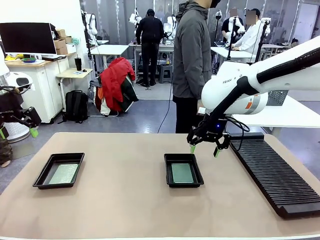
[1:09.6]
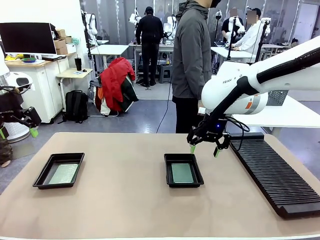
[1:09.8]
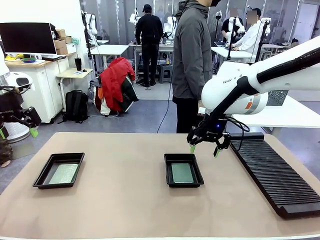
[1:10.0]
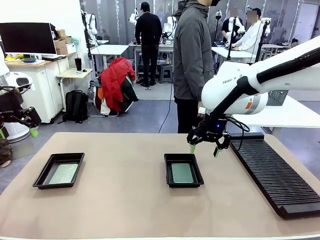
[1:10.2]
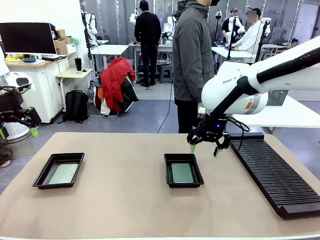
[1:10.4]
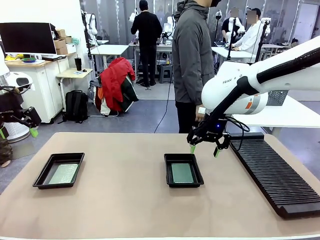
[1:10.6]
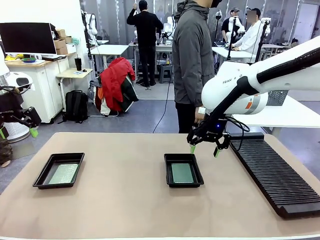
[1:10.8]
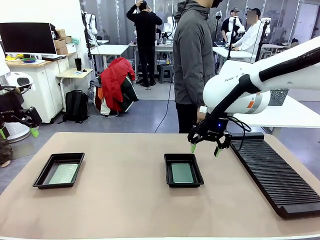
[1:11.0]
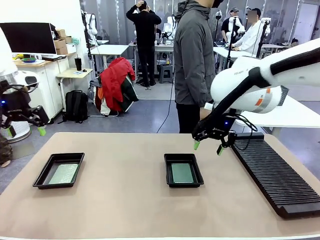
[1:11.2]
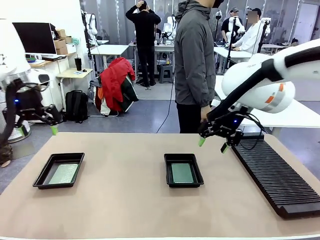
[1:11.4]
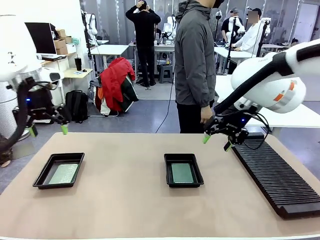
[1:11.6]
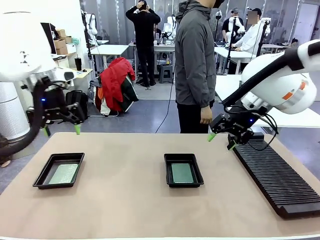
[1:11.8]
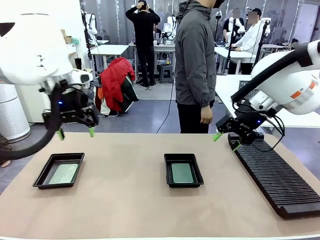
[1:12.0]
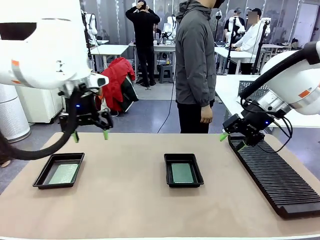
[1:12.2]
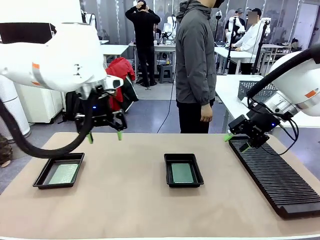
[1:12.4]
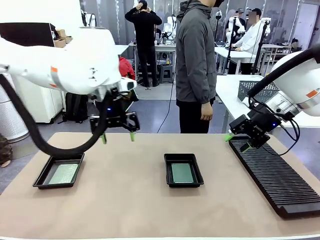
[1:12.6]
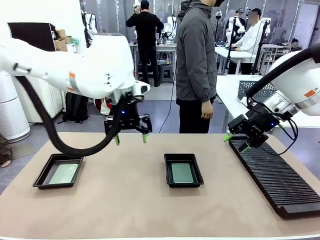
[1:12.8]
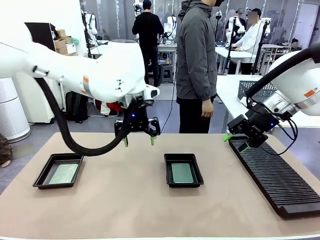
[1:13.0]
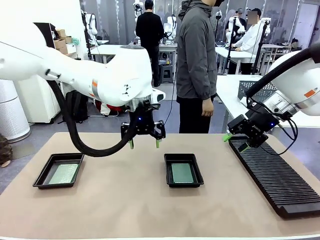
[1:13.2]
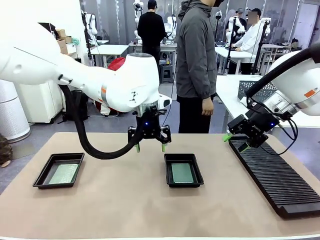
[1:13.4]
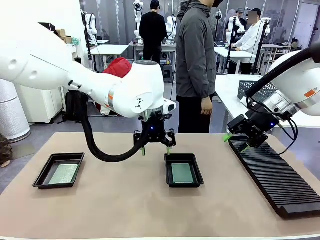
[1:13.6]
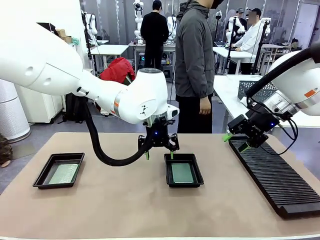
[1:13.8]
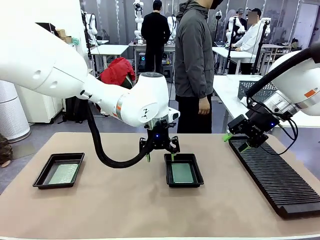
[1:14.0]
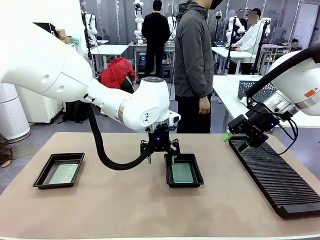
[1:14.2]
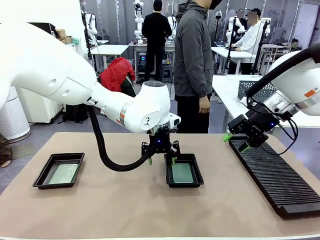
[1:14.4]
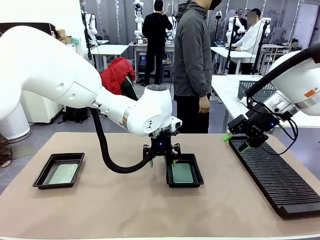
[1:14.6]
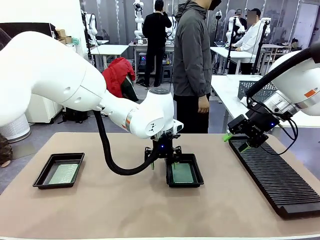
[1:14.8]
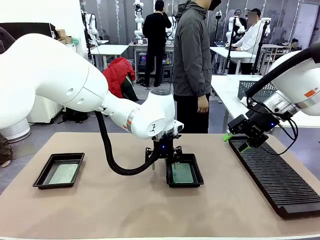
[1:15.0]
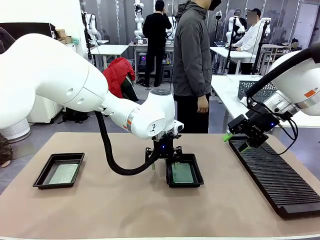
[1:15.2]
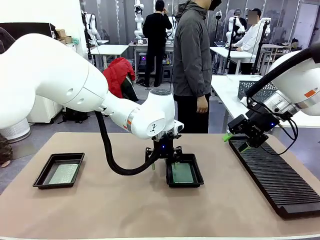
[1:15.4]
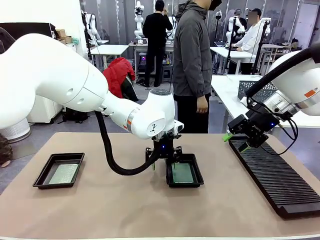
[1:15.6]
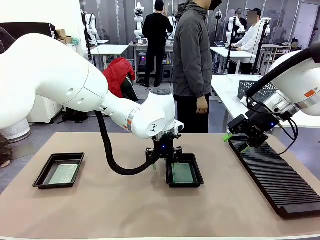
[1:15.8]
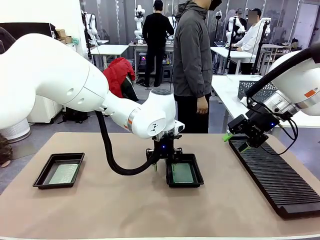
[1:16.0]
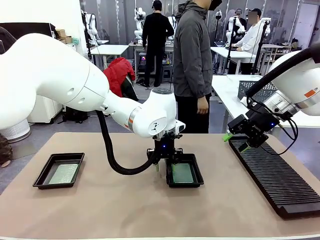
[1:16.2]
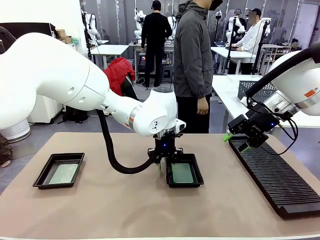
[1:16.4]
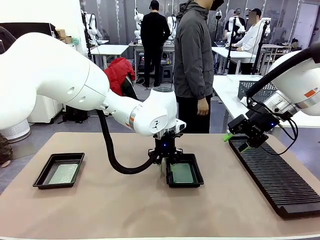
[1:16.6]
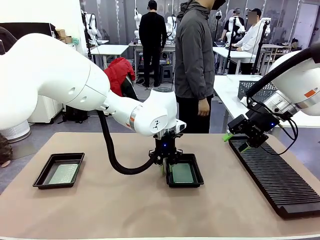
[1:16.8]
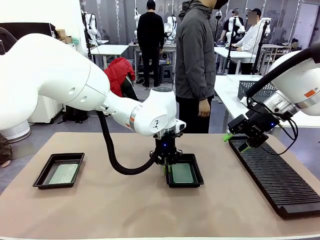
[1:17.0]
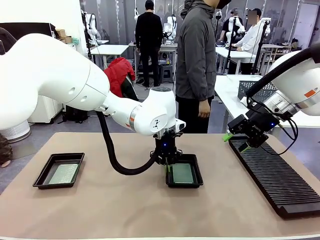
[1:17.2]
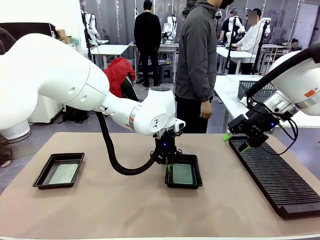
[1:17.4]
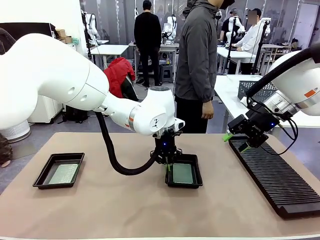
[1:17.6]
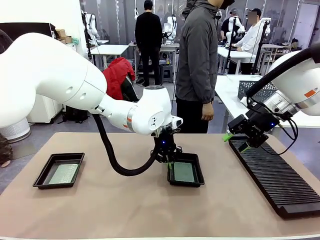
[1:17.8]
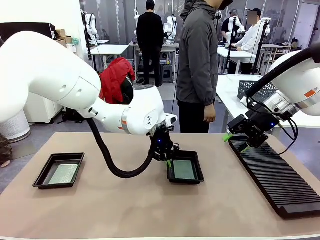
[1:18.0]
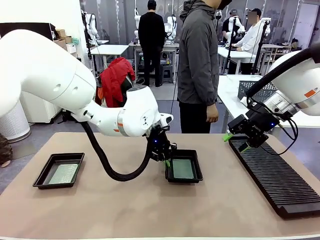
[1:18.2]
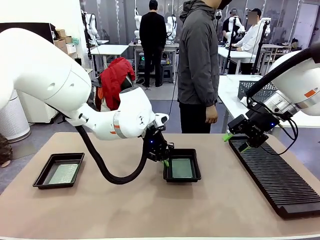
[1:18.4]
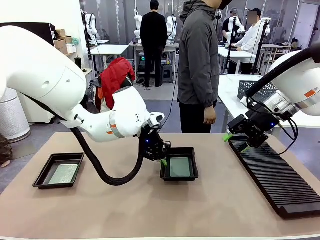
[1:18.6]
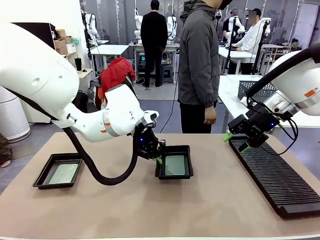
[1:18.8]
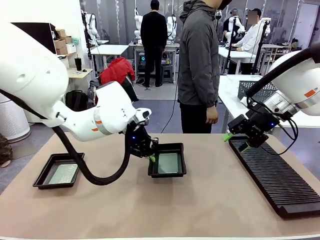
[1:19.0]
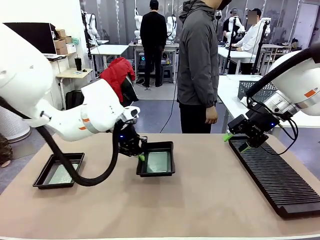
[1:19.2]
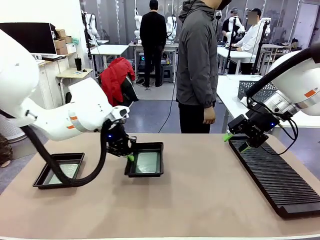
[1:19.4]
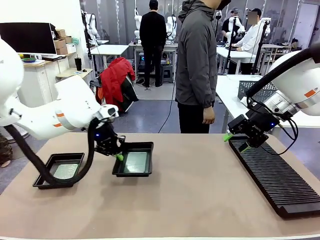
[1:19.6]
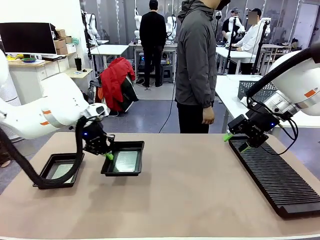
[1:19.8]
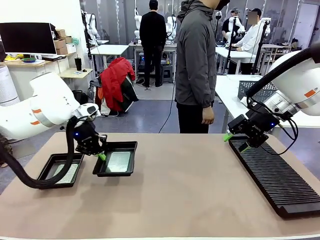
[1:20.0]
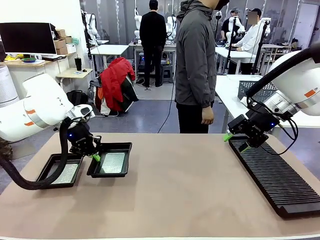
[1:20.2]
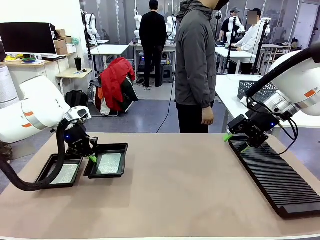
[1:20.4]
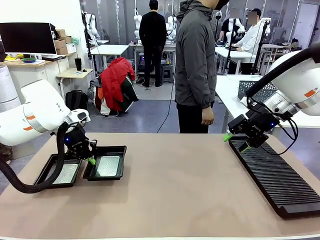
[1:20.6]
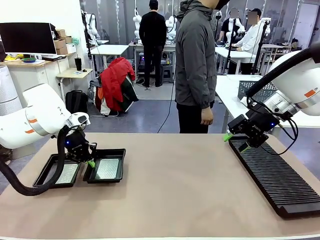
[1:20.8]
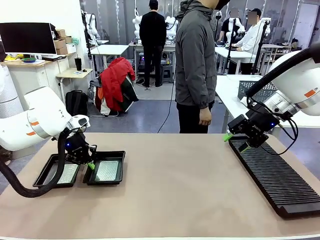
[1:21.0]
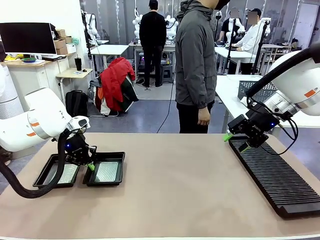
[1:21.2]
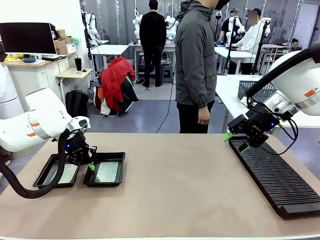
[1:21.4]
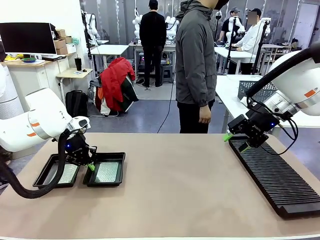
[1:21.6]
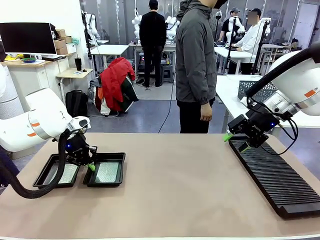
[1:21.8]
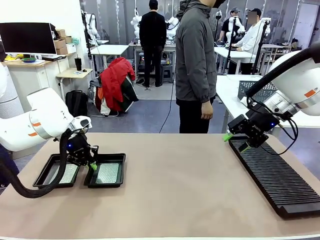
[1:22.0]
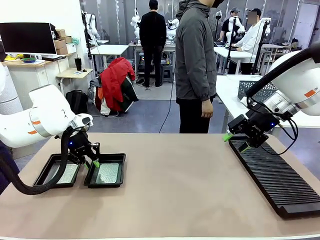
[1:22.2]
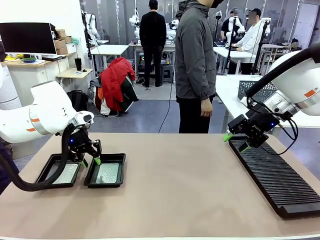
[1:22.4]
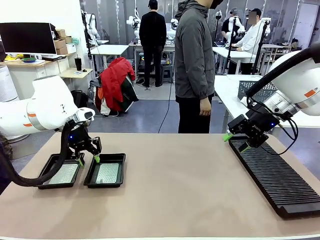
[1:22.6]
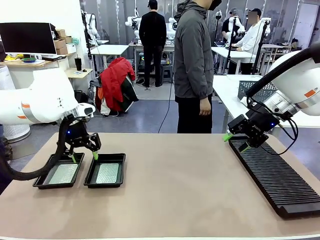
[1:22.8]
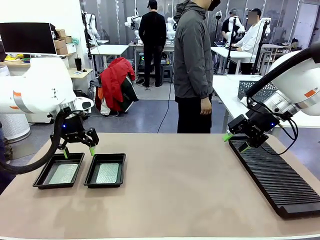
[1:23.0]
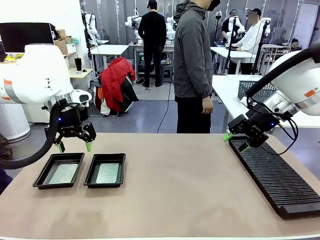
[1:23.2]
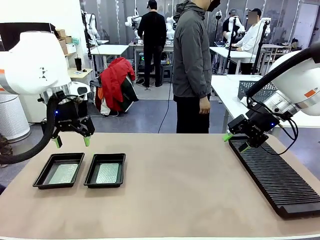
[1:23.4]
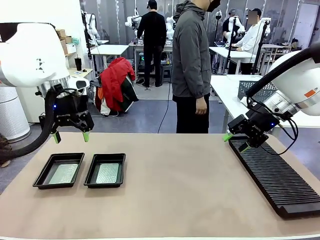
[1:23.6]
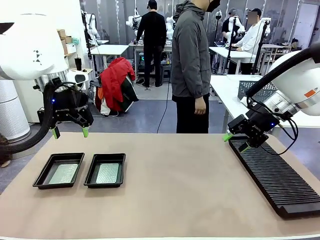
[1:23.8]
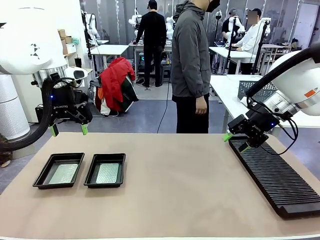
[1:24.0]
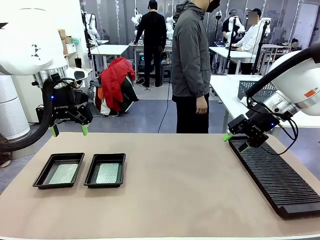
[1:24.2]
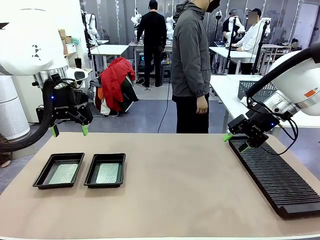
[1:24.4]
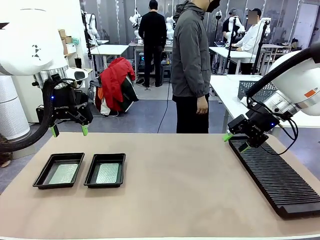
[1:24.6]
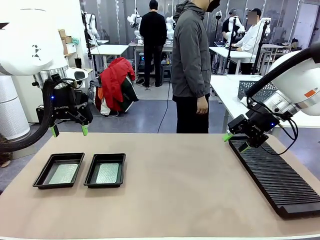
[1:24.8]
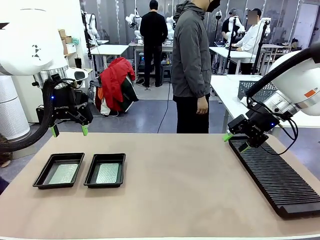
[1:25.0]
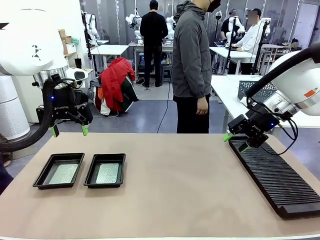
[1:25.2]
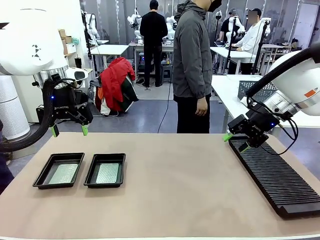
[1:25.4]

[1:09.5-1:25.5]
Task: Inspect and transfer BCBs to ESD trays.
Robot: Pick up the ESD tray and place it on the left side of the table.
